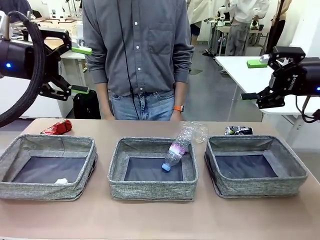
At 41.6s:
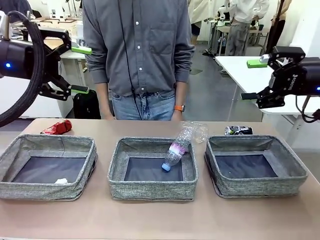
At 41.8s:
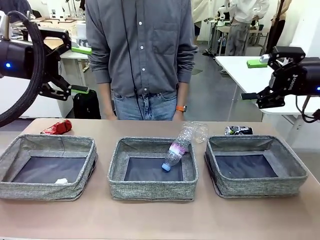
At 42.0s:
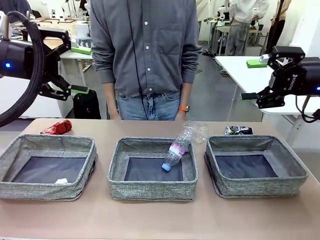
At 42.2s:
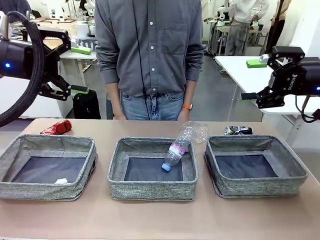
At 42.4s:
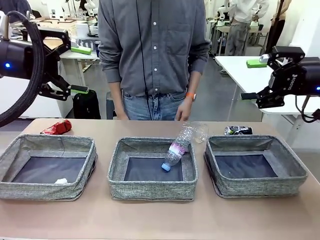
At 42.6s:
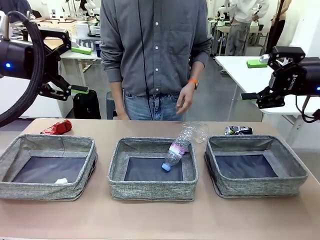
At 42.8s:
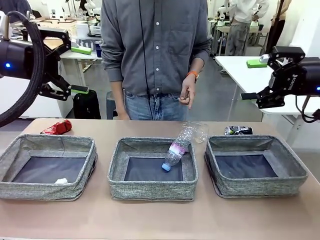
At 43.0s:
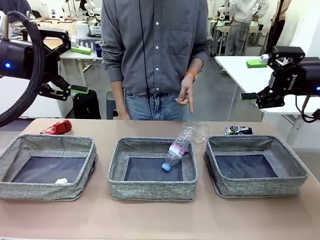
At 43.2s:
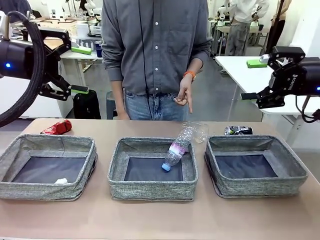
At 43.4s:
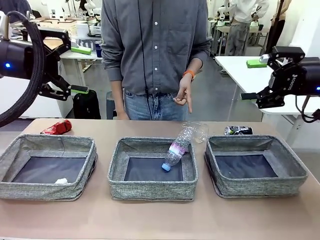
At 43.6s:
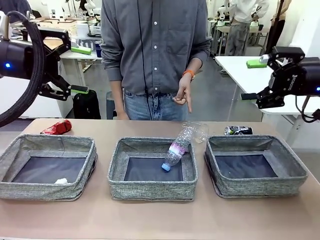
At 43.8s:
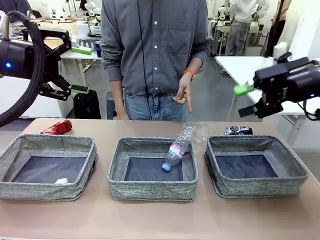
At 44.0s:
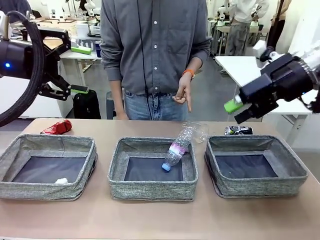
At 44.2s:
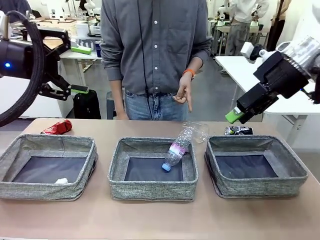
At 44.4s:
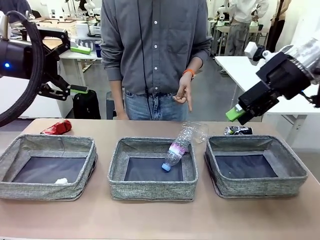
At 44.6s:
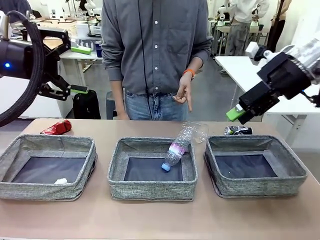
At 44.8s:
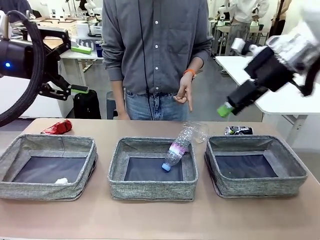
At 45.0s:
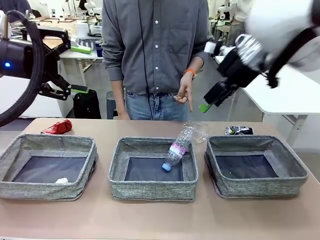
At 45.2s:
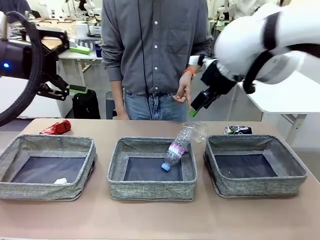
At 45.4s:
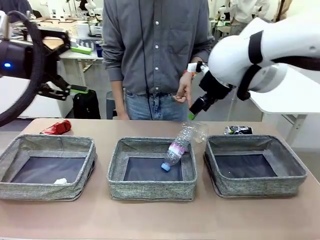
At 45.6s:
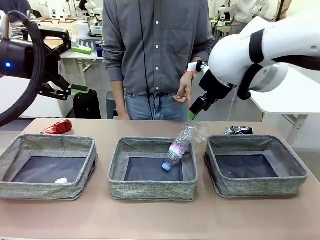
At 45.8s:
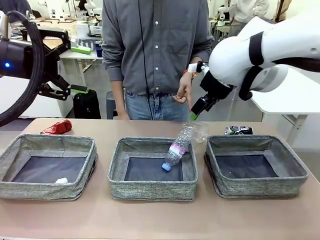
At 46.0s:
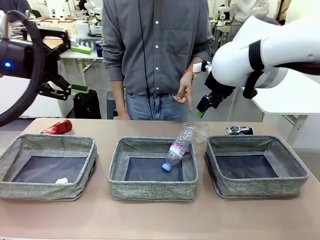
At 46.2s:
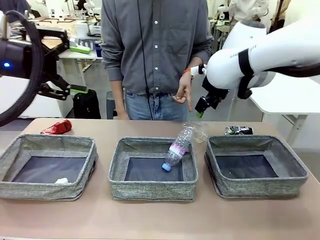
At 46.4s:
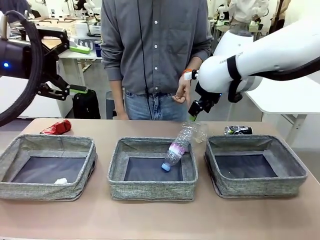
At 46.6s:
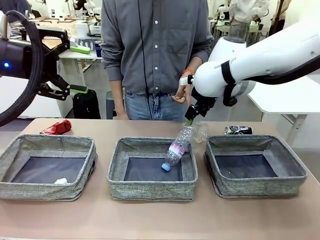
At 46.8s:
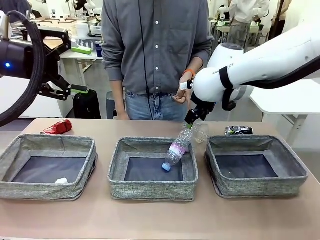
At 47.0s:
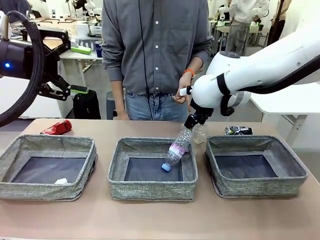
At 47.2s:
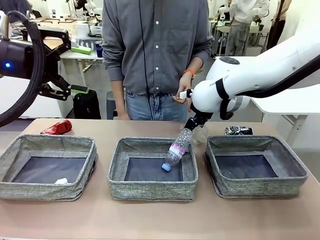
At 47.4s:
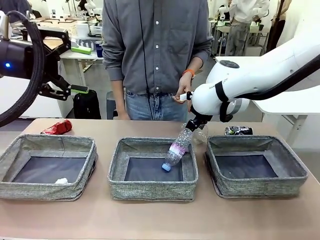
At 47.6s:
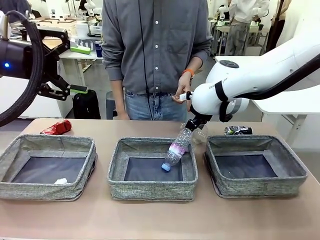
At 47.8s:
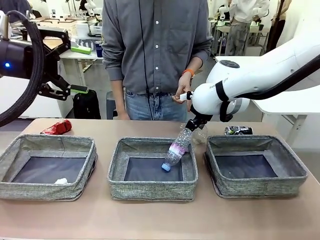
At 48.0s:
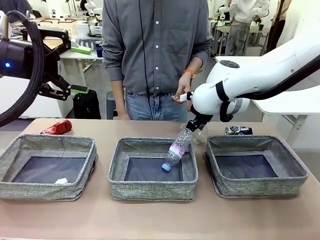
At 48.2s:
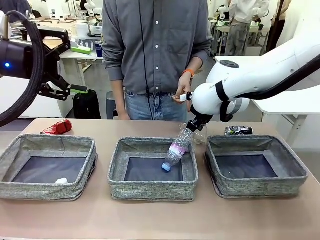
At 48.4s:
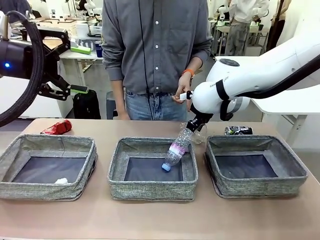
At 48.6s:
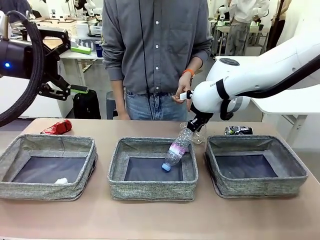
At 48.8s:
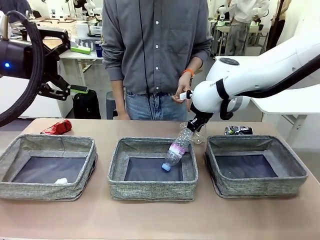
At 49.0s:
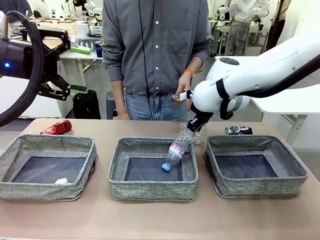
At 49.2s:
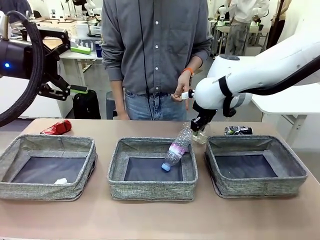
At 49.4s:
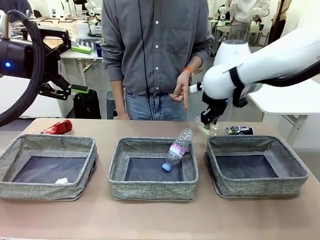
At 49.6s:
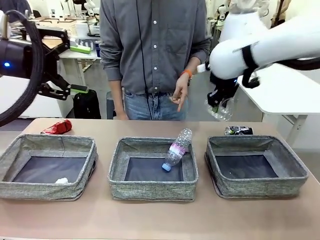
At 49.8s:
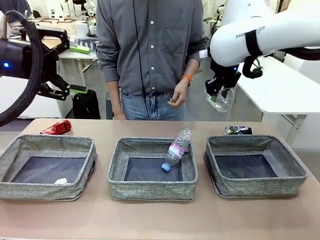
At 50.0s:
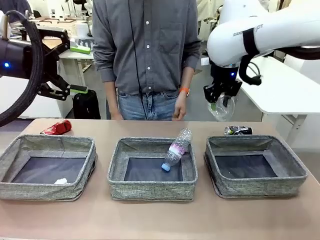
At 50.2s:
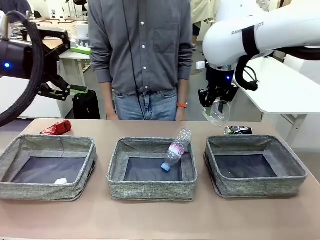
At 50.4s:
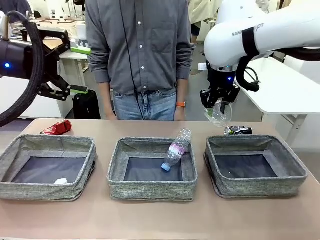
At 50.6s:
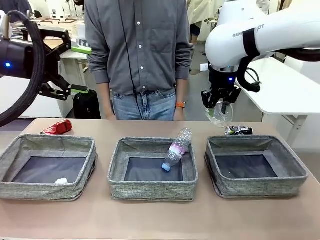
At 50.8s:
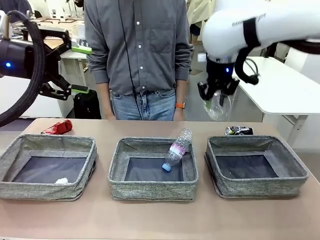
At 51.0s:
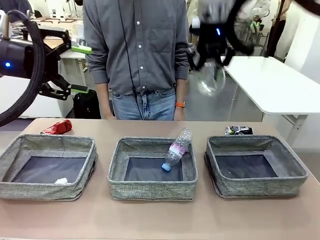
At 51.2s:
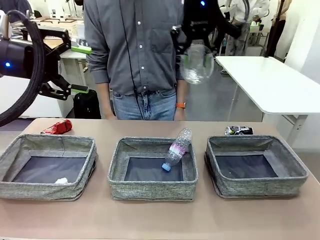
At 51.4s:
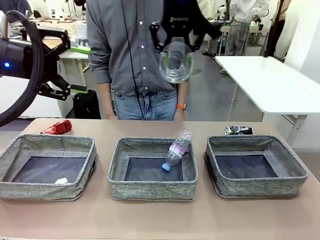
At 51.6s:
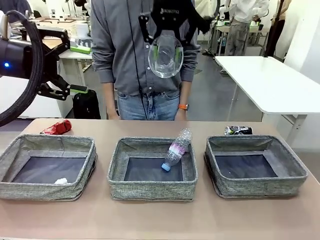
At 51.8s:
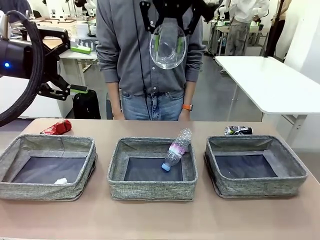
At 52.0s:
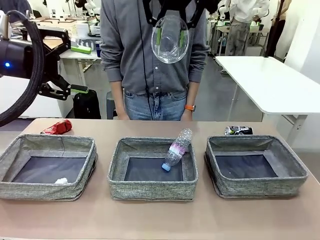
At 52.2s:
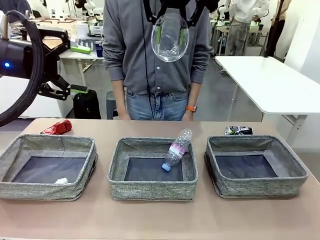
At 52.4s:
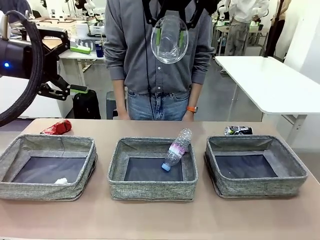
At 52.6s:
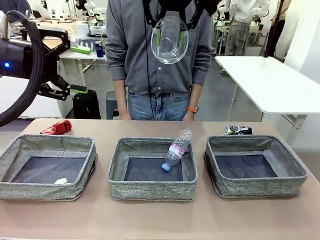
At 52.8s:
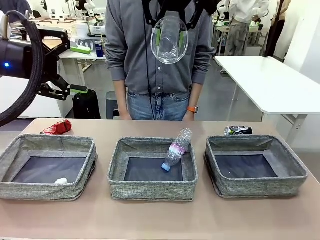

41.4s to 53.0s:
Task: Sort the waste into the appropriate baskets.
Robot: Pick up the waste item pointed out by the person.
Person: Points to one piece of trash on the table.

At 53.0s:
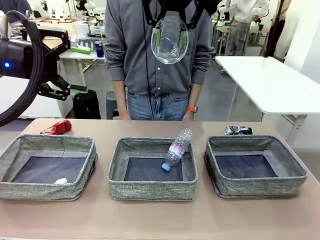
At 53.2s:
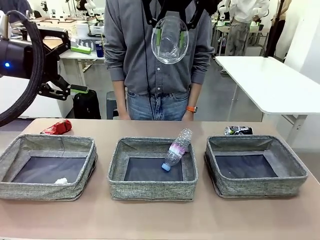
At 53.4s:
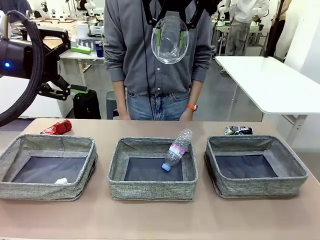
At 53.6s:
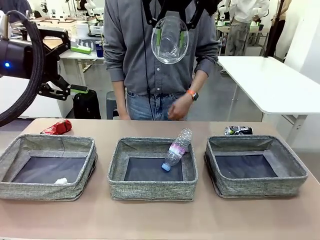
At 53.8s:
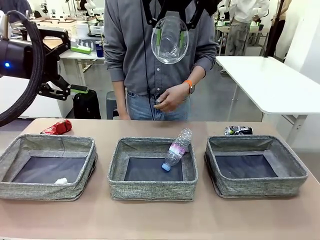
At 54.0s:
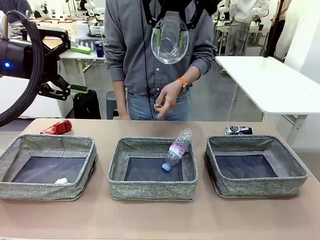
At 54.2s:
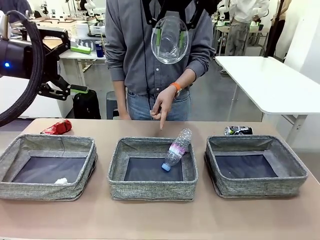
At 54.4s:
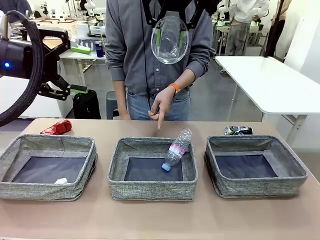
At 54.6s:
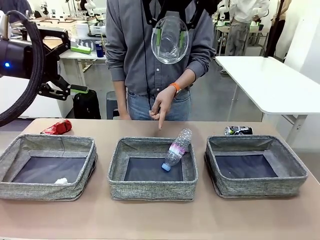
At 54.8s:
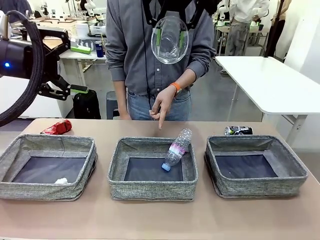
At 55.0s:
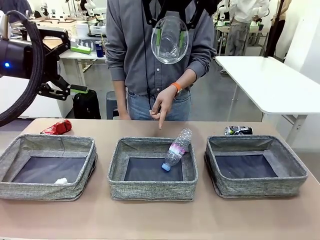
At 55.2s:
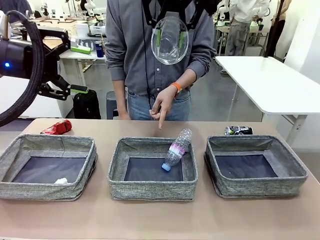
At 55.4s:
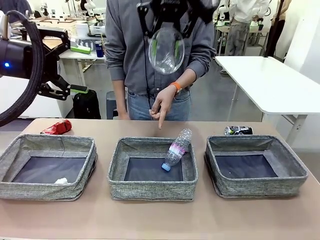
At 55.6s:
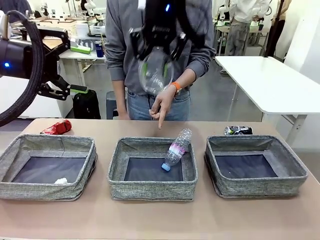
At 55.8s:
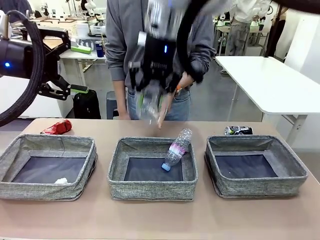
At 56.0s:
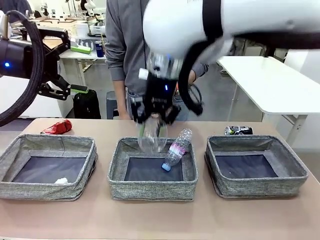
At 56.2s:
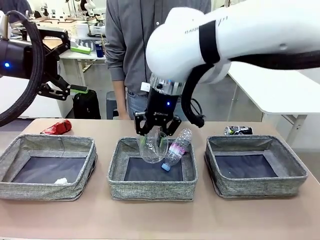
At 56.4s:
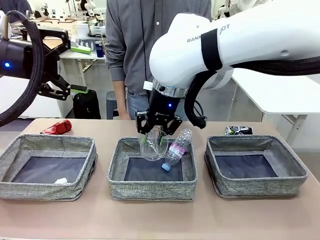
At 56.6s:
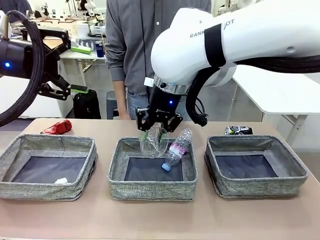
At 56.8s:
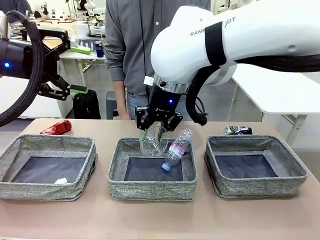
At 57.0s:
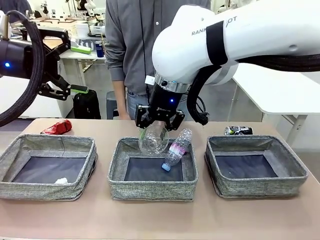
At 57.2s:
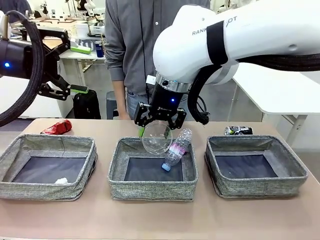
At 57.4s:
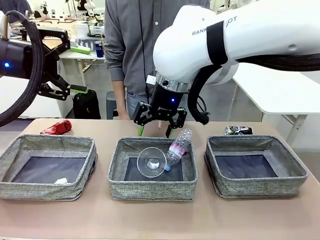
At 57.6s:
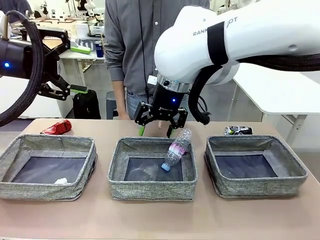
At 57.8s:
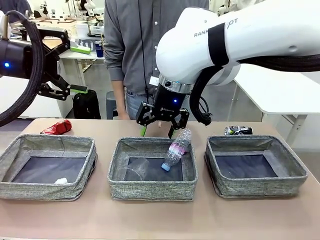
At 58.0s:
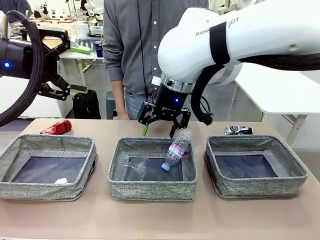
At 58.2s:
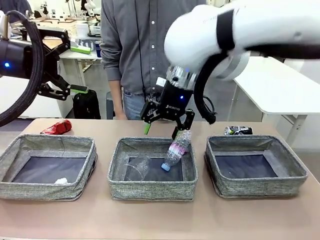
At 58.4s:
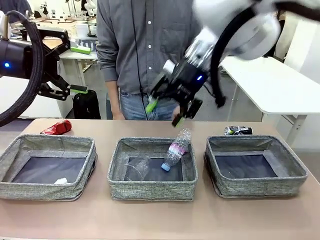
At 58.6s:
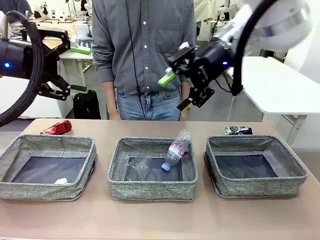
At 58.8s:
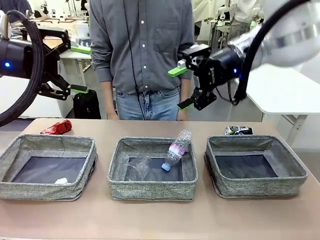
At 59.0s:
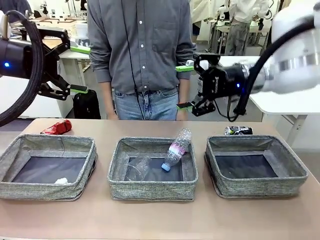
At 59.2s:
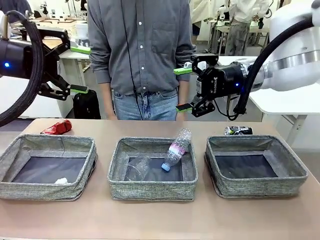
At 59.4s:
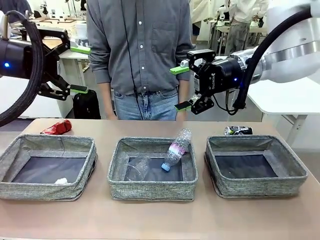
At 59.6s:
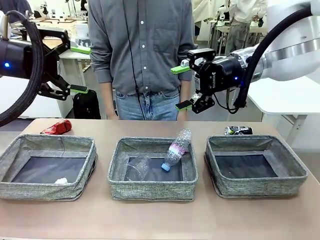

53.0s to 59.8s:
Robot: Place the picked waste into the Fabric basket indicated by the person.
Person: Instructs the robot to place the picked-up trash into the appropriate organizing basket.
